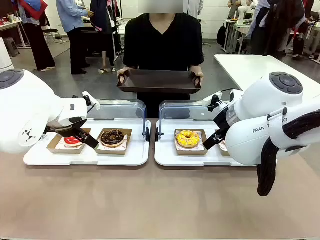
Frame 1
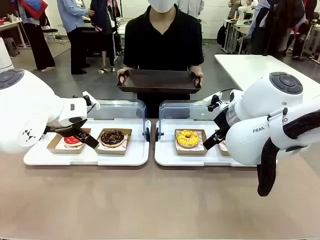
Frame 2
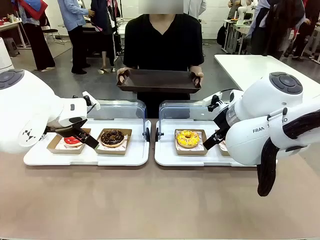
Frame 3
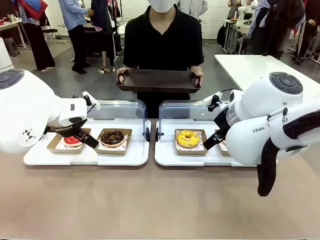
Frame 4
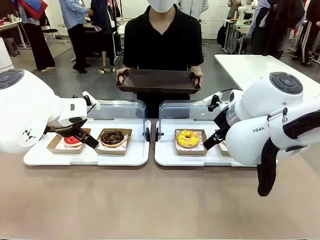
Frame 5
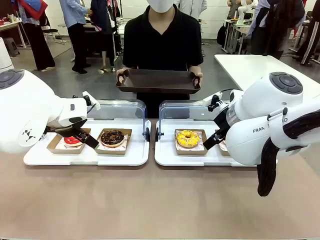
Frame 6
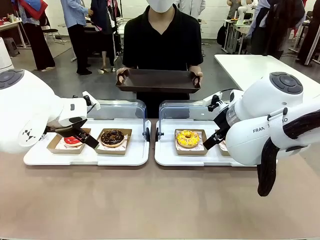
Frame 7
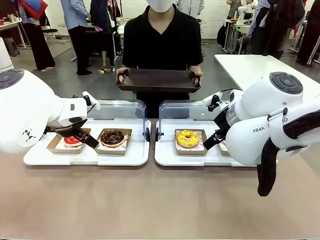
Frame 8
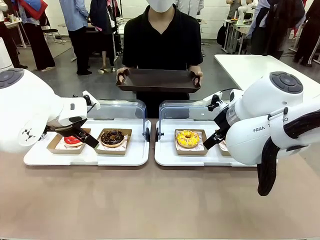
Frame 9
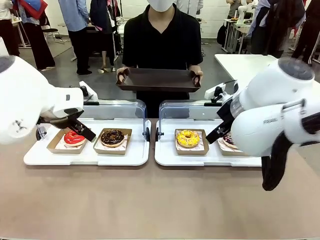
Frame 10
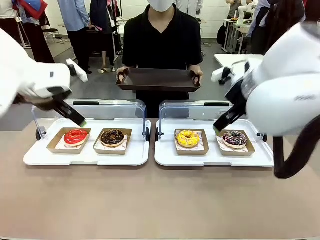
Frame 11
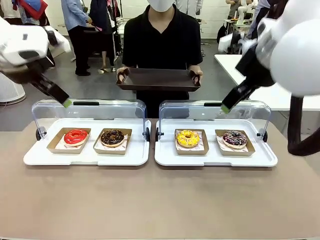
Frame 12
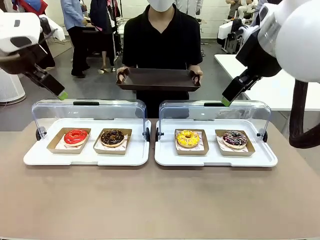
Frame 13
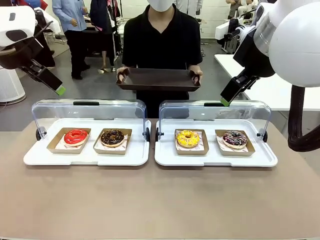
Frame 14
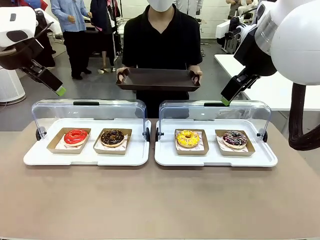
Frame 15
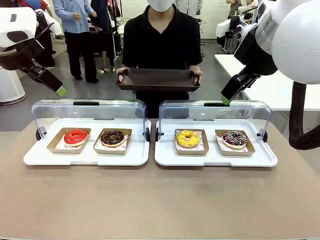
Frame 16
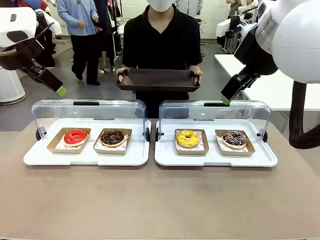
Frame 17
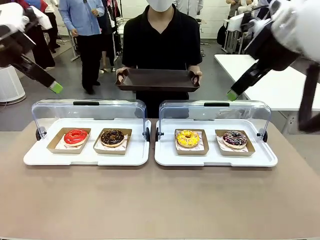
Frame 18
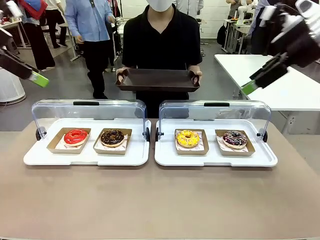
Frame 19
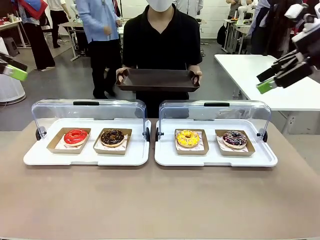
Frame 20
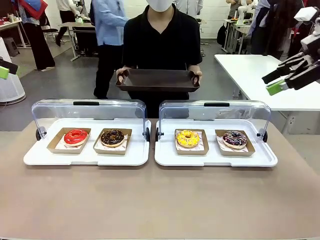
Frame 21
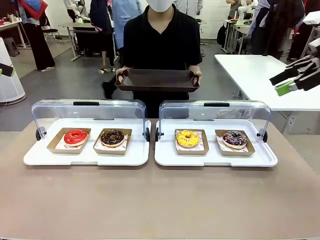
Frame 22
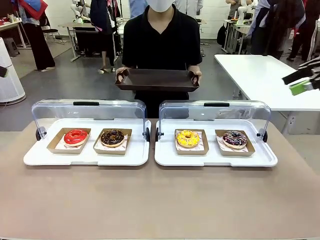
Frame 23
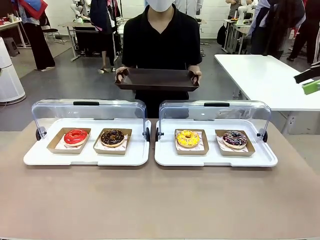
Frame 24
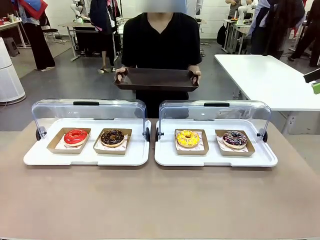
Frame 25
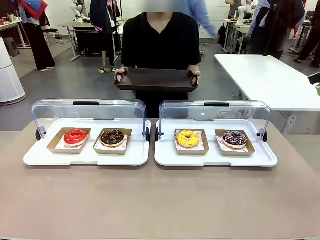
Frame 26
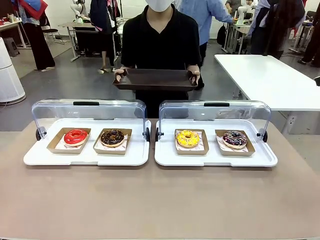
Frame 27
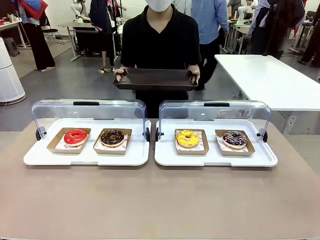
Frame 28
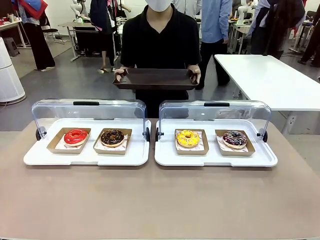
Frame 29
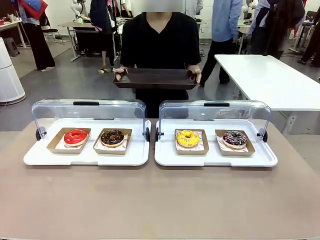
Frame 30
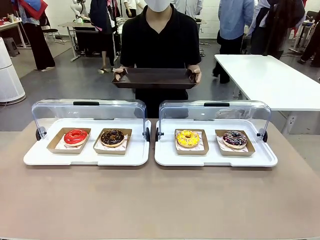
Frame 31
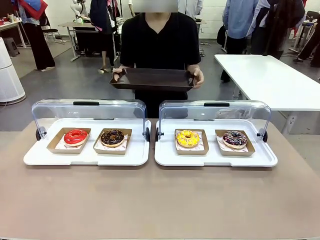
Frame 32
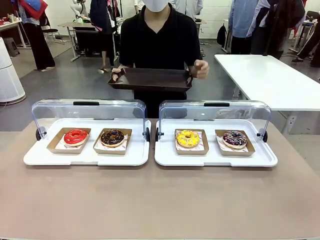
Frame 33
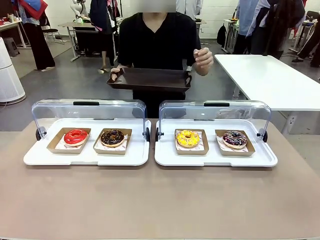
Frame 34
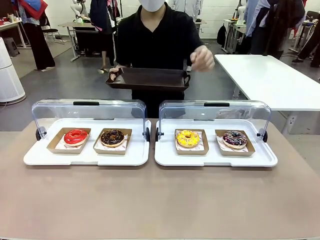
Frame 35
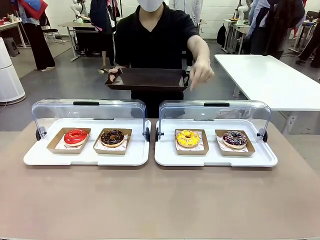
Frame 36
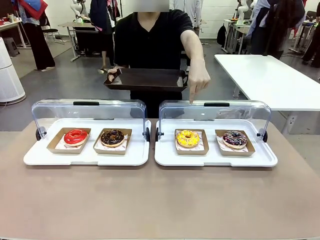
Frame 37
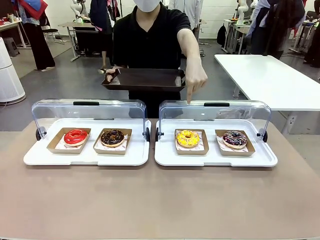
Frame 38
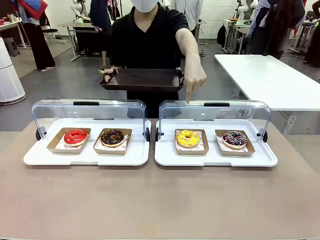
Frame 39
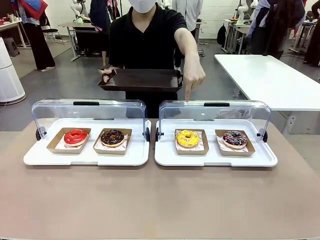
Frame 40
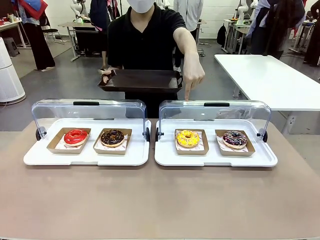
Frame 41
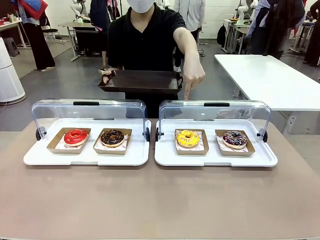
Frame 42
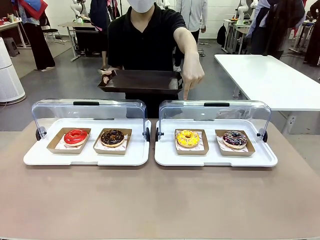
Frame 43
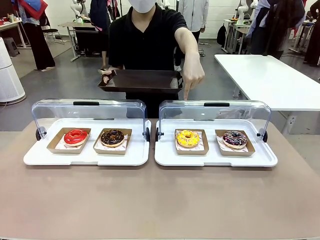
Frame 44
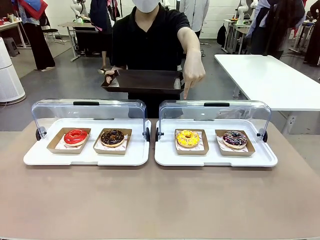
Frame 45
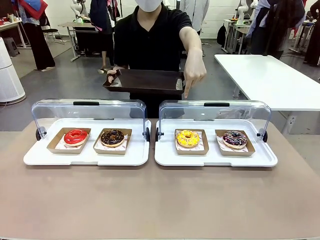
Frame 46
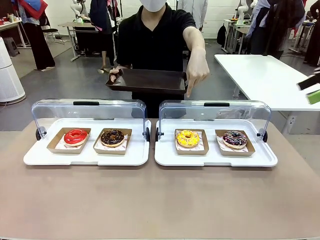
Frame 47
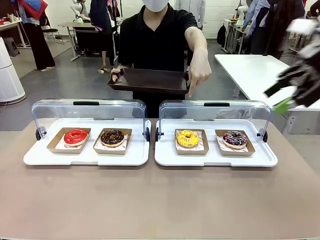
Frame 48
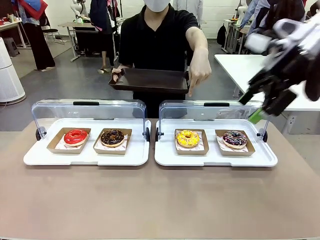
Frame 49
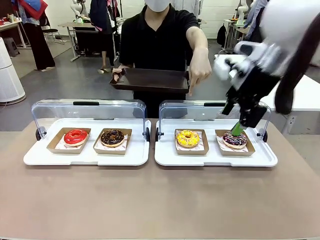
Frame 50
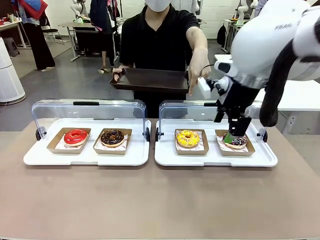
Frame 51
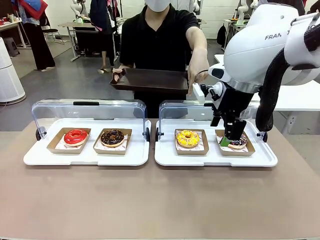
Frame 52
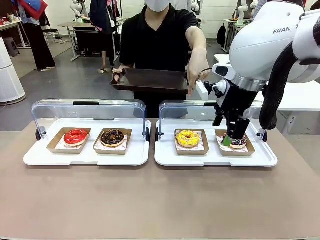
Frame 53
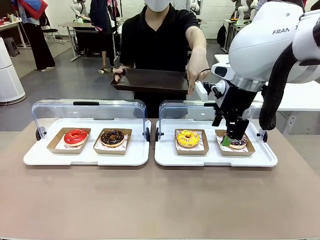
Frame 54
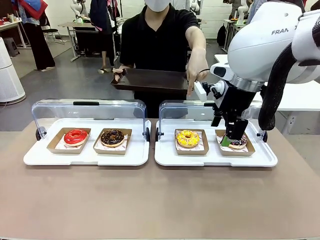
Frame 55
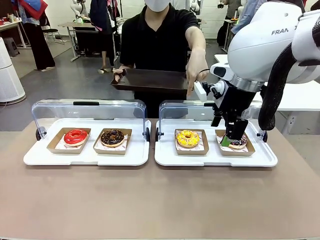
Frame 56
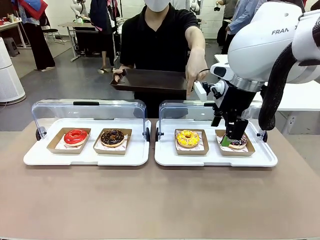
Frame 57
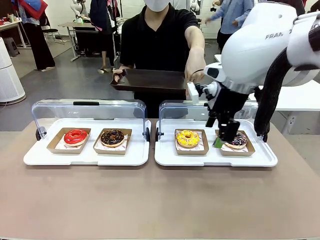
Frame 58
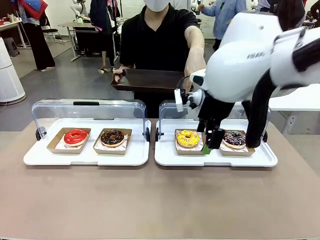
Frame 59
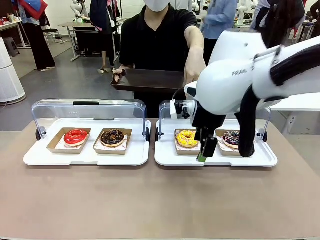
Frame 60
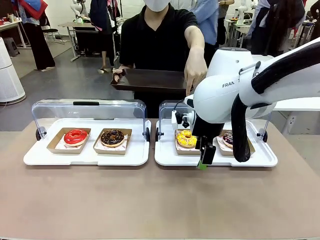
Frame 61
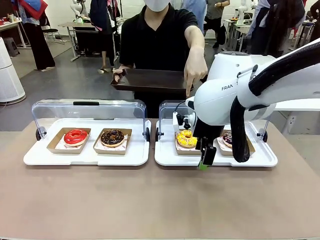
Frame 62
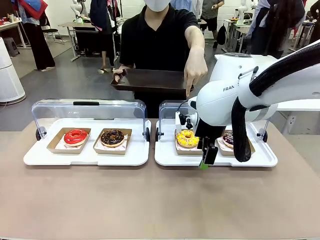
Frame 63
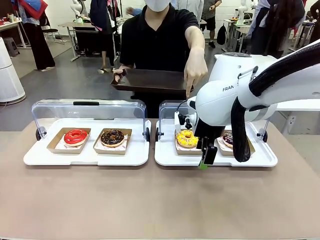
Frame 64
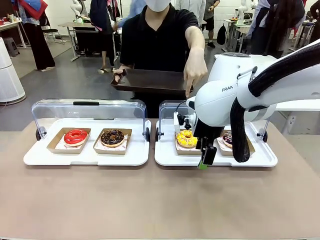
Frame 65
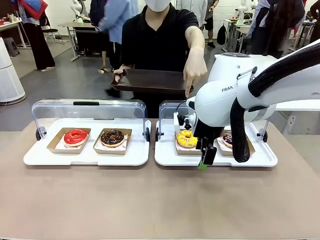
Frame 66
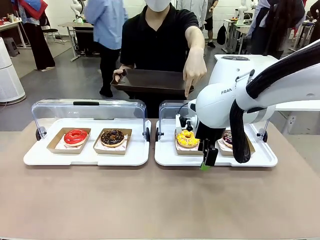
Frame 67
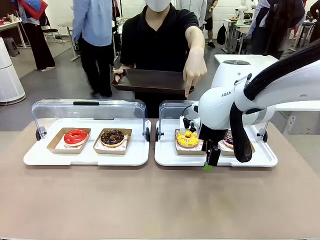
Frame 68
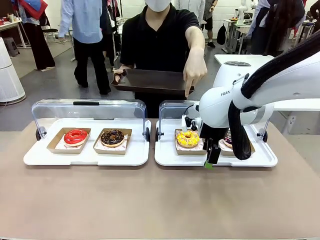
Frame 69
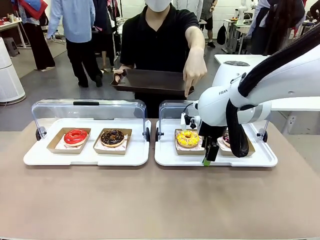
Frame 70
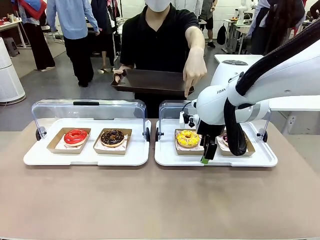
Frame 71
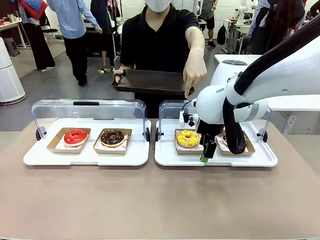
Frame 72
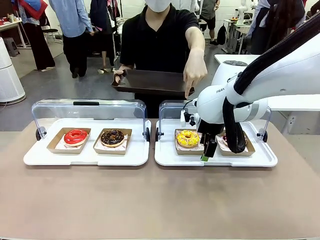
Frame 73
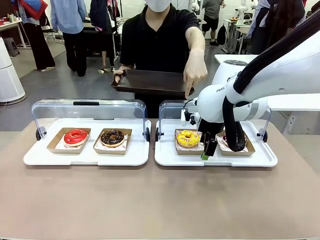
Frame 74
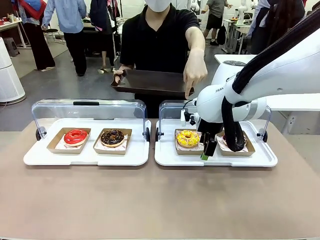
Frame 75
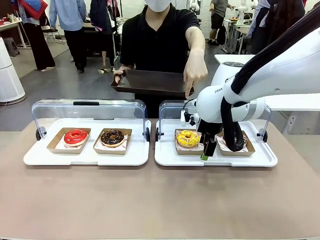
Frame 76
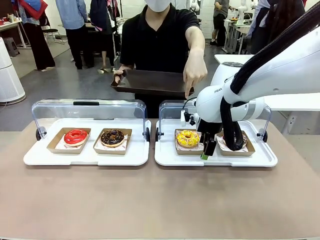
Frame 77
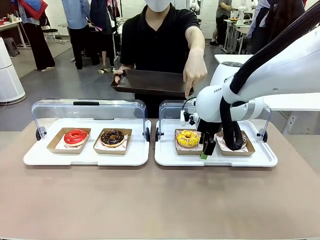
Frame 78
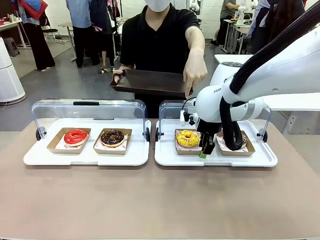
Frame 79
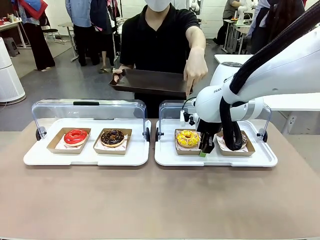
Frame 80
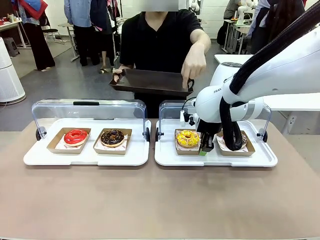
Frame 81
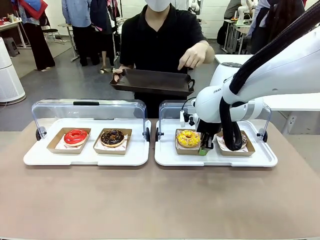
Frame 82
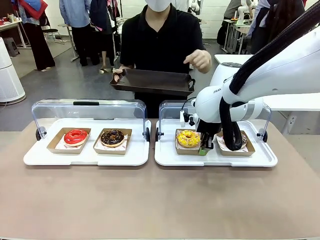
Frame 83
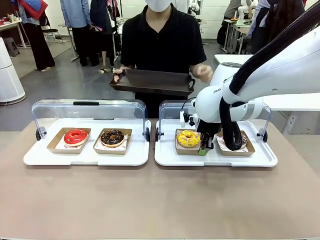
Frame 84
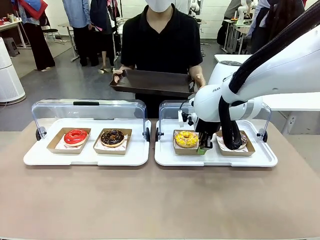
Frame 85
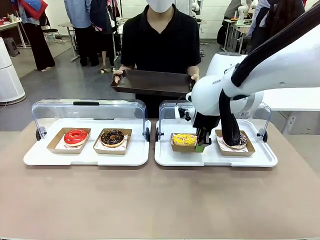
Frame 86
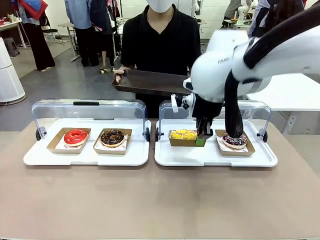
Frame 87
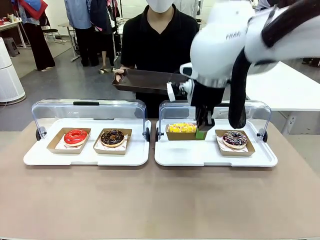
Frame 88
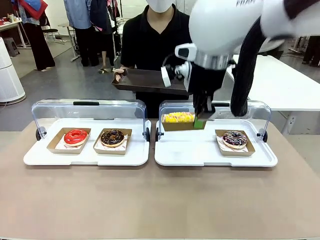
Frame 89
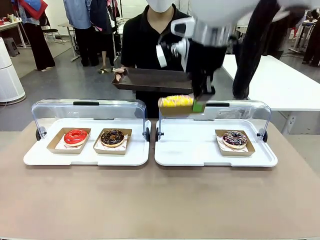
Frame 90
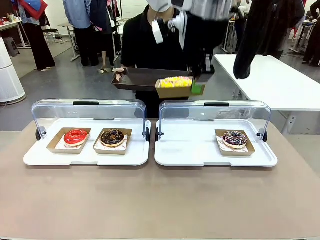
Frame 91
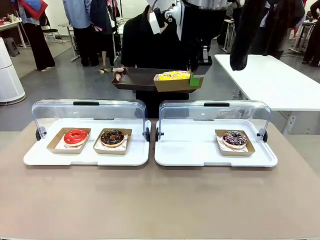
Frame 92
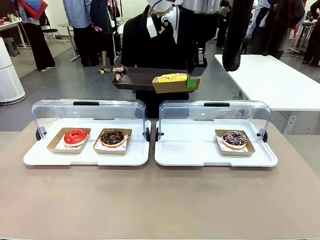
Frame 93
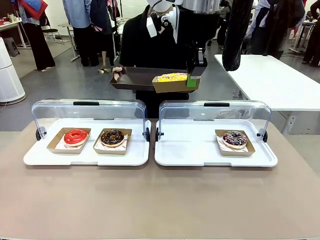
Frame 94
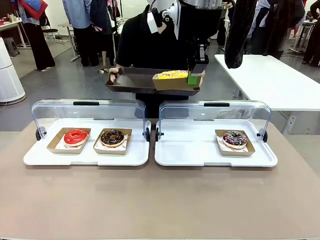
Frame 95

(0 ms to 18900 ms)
Task: Provide the desired donut to the person.
Robot: Pick up and lift the Paper togo box containing the Donut pointed at by the person.
Person: Point to one donut. Lift the tray onto the Roll-Top Bakery Case.
